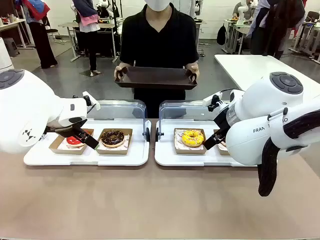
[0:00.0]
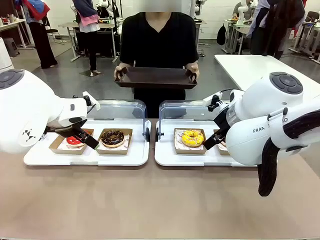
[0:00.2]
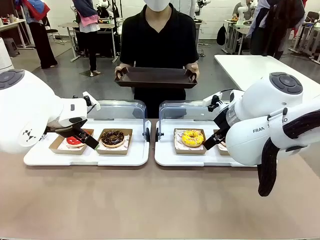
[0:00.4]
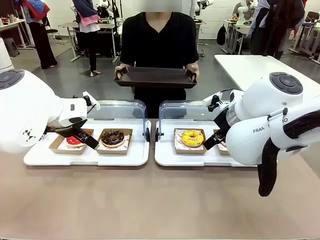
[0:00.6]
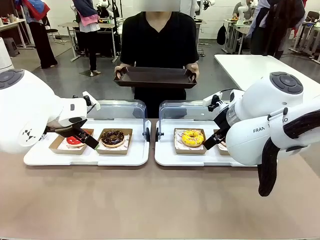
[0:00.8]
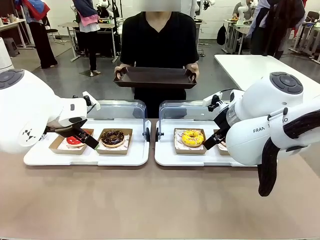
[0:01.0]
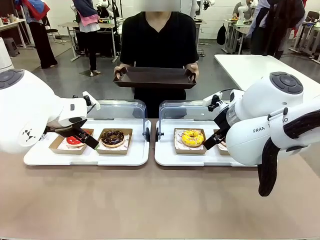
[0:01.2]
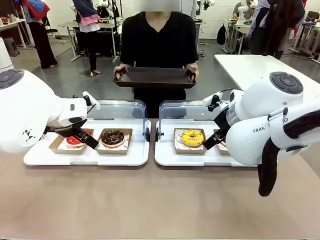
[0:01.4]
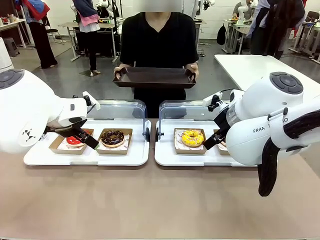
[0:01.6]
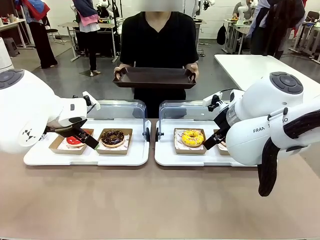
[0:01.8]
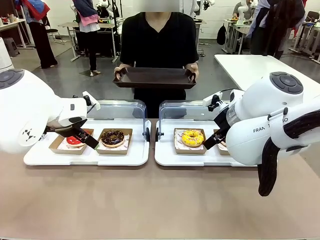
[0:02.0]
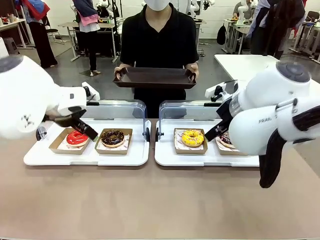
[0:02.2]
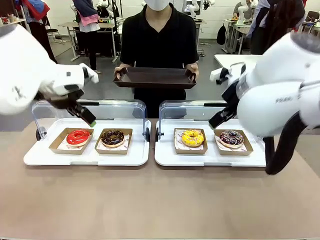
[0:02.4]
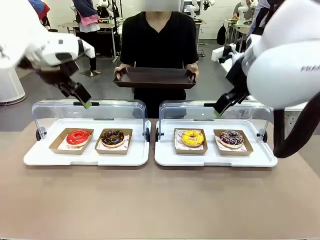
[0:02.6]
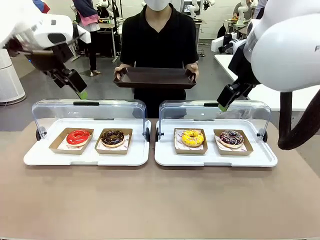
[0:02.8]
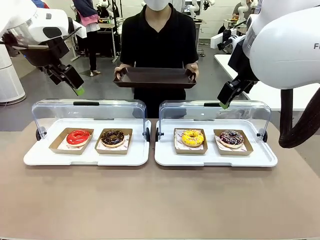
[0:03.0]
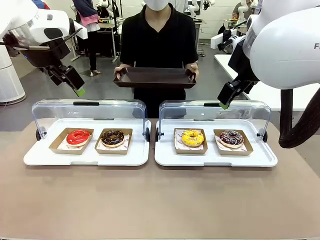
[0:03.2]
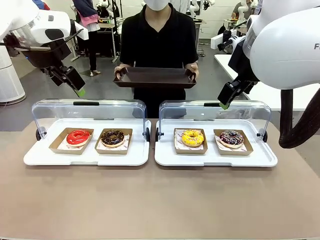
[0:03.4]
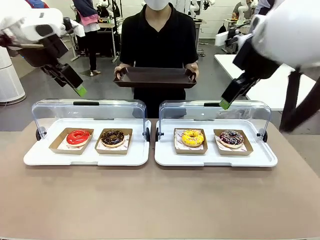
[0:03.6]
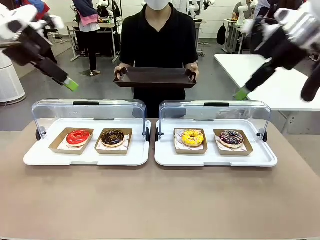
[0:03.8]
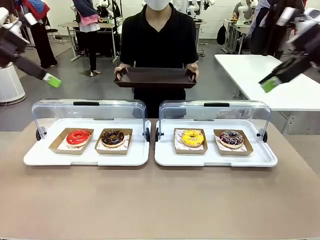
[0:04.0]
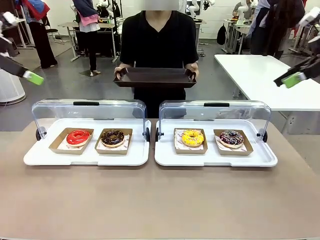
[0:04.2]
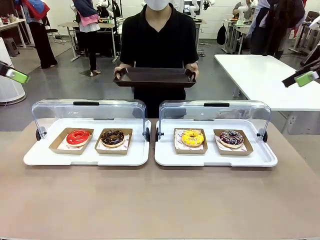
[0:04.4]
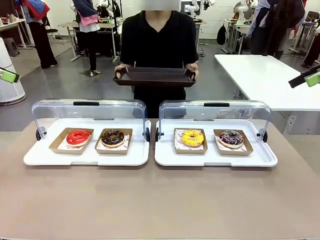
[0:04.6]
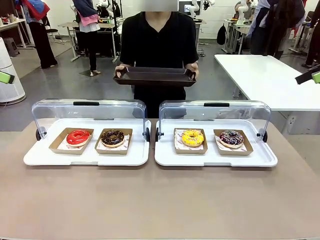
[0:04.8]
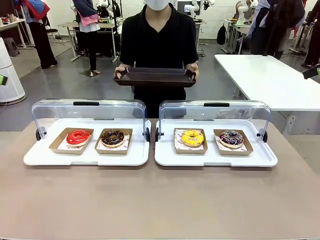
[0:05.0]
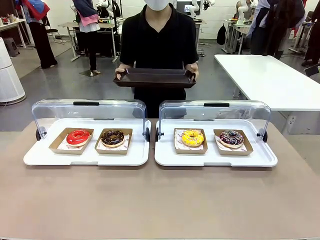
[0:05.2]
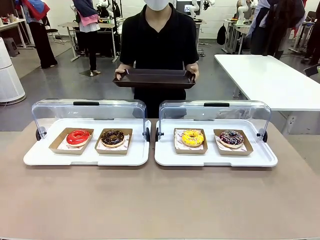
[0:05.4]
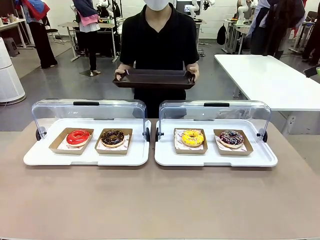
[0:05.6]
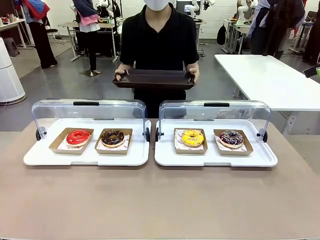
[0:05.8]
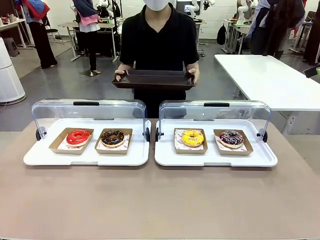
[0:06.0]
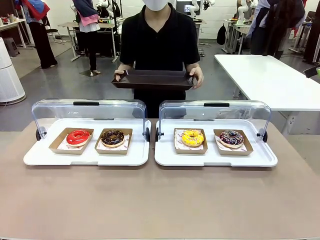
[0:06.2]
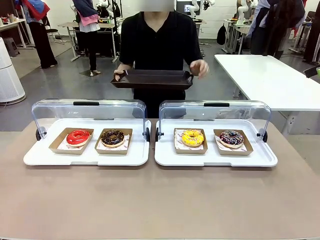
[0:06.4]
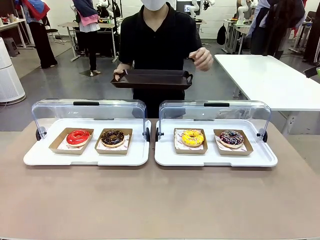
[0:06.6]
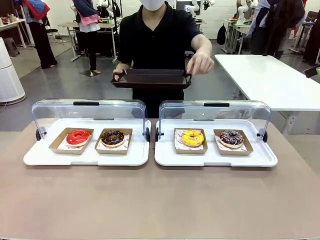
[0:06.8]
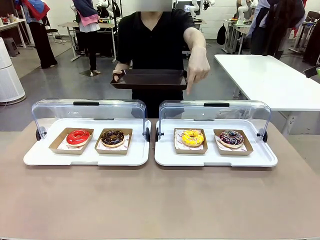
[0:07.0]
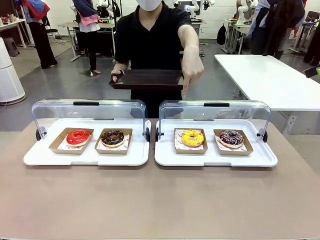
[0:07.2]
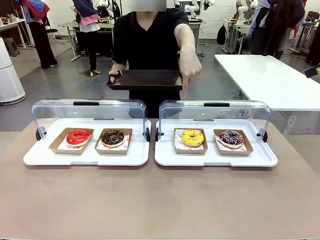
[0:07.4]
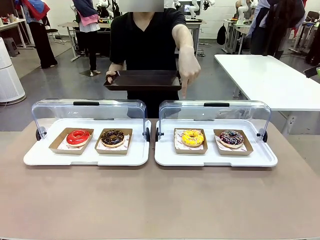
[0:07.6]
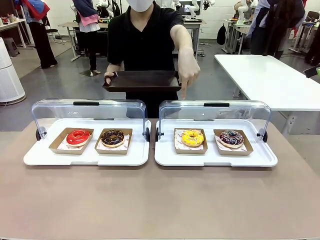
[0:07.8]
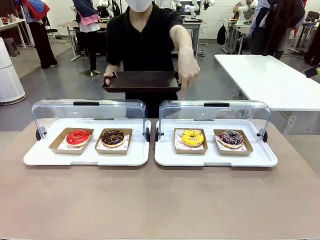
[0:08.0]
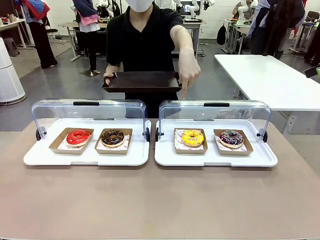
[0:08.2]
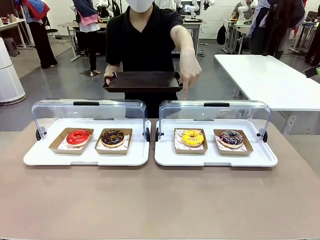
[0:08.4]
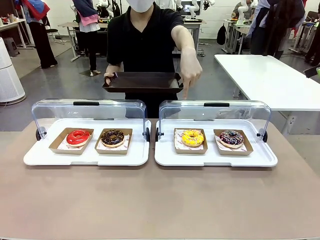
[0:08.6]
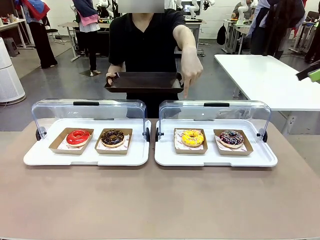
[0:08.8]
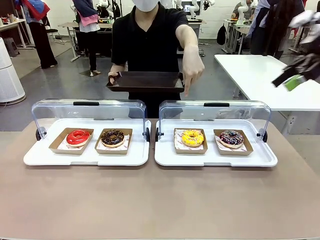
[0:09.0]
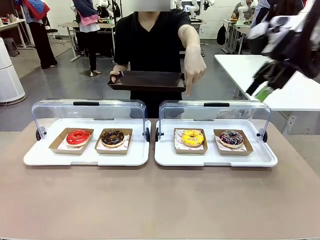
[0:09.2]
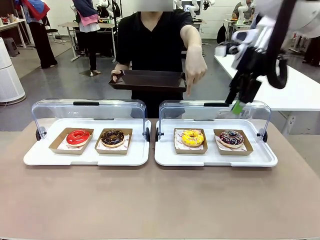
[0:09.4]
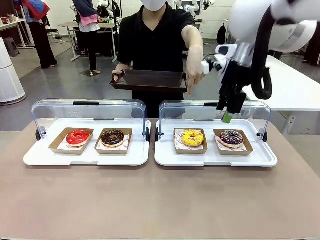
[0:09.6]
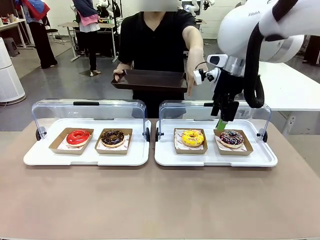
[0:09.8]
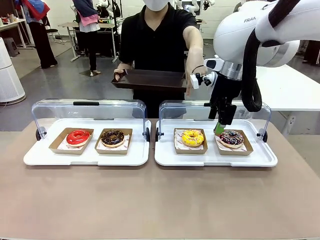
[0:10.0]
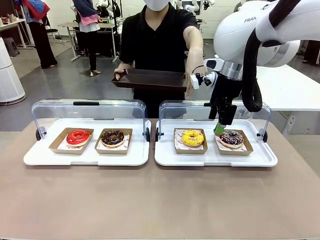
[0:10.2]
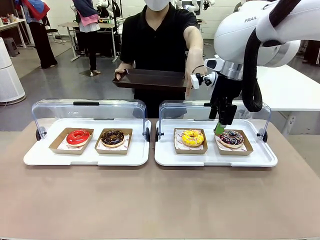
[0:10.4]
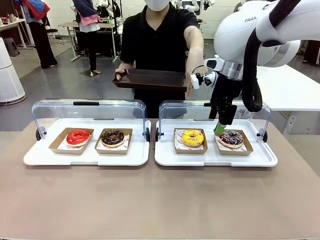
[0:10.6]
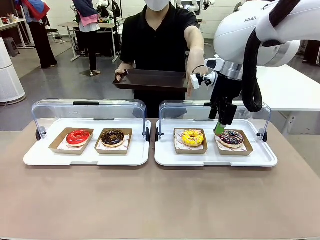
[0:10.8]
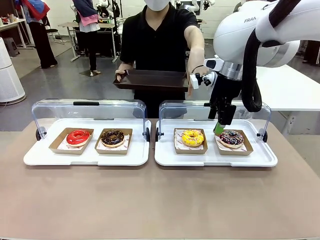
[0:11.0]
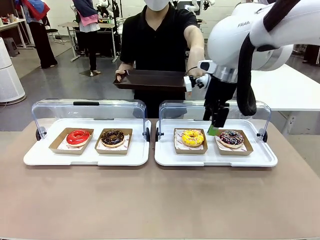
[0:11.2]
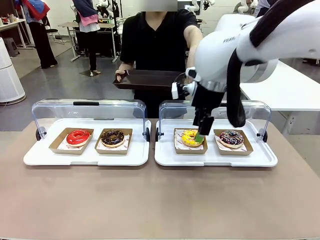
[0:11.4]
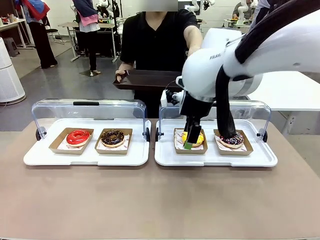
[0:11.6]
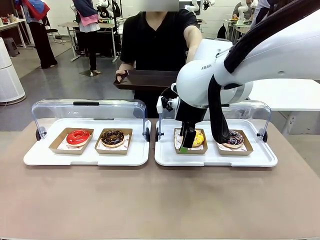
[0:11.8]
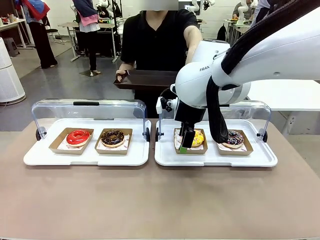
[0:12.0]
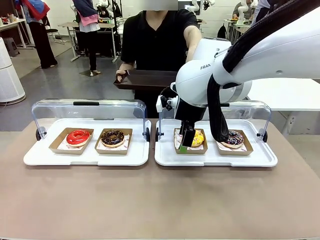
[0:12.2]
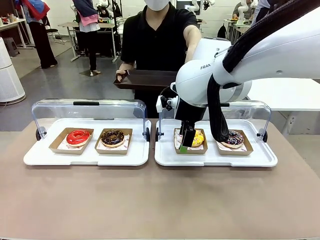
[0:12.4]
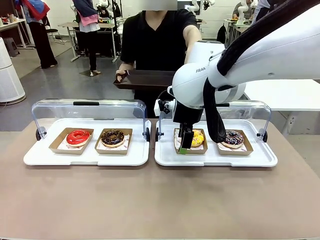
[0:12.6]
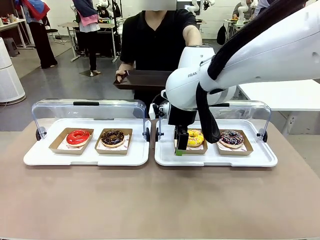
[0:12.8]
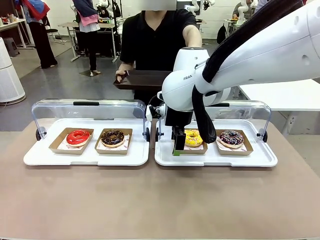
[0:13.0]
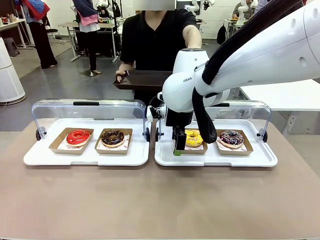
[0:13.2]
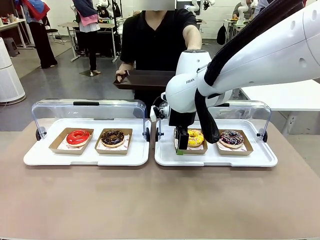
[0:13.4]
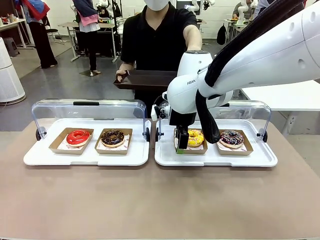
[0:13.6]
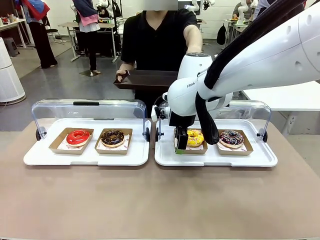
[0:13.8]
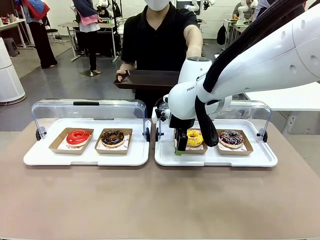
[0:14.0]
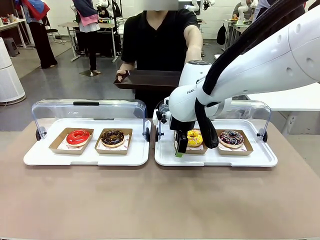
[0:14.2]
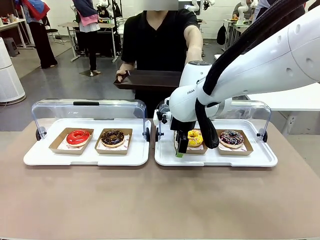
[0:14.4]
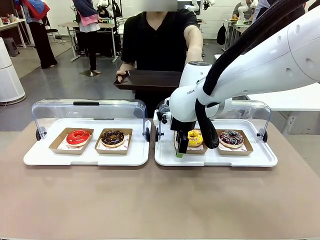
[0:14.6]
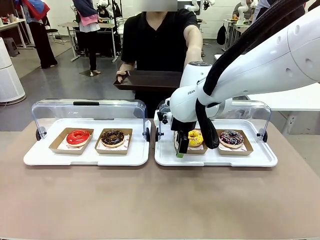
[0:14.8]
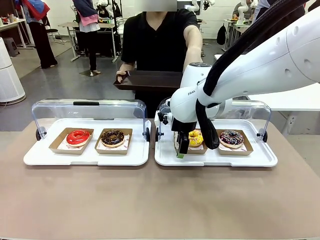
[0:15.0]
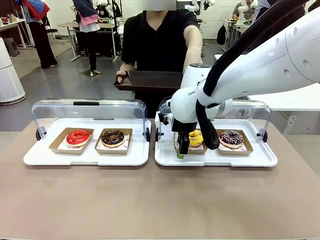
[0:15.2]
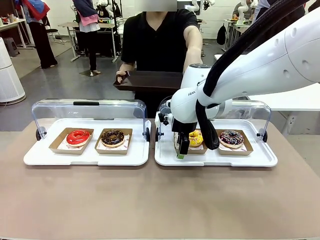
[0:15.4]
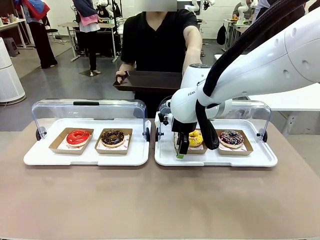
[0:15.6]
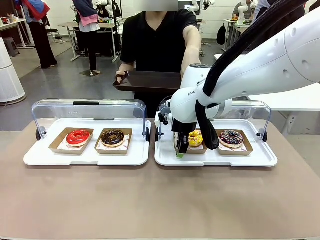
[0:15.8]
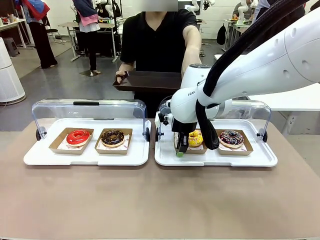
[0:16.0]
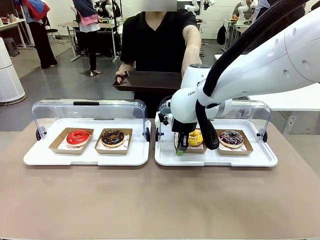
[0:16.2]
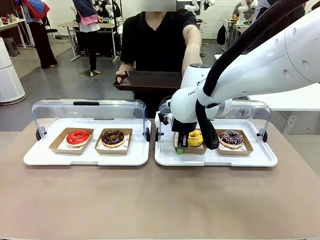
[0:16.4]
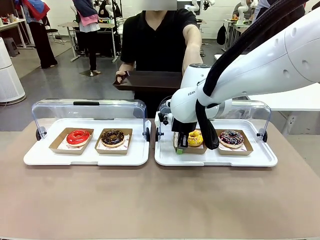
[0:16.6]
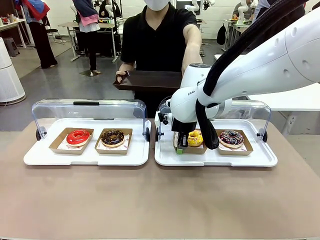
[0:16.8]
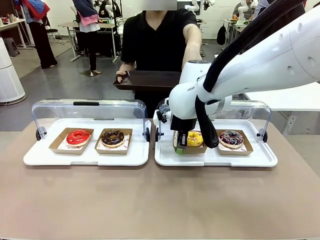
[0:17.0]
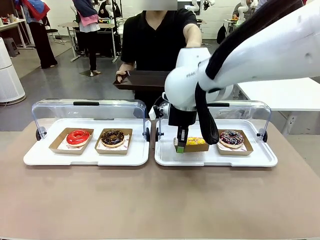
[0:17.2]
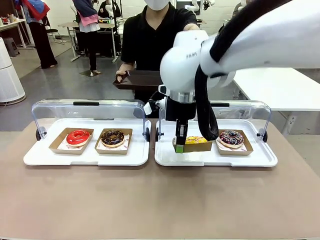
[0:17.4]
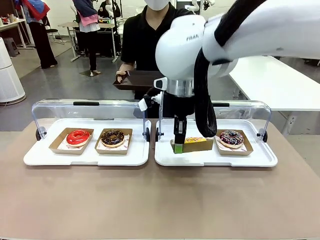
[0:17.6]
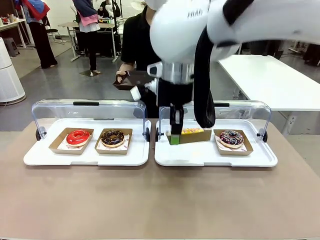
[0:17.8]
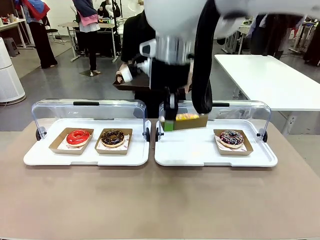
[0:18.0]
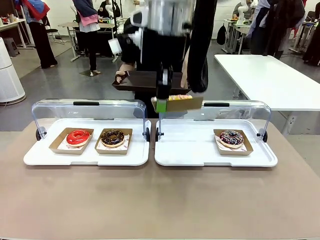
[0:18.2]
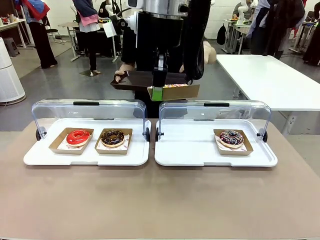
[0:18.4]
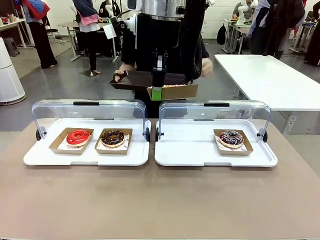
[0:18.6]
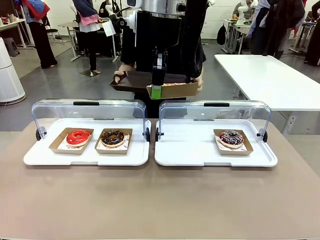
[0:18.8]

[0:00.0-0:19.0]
Task: Provide the desired donut to the person.
Robot: Pick up and lift the Paper togo box containing the Donut pointed at by the person.
Person: Point to one donut. Lift the tray onto the Roll-Top Bakery Case.
